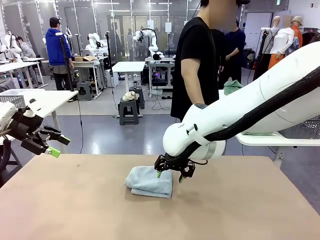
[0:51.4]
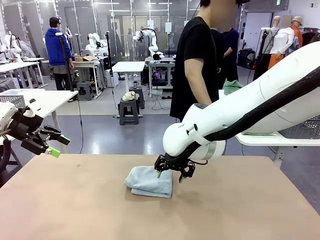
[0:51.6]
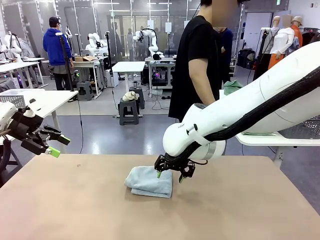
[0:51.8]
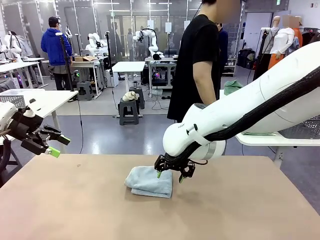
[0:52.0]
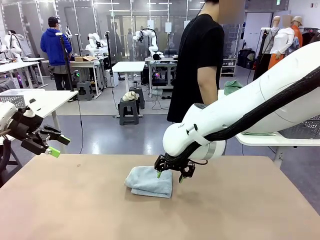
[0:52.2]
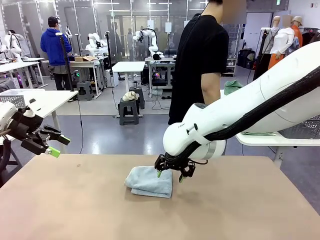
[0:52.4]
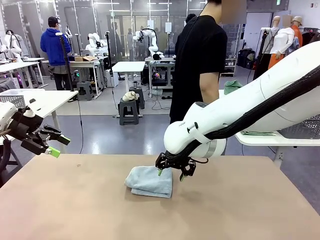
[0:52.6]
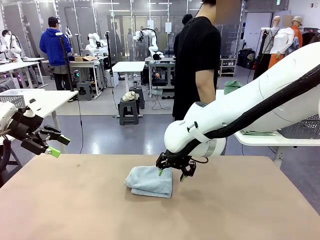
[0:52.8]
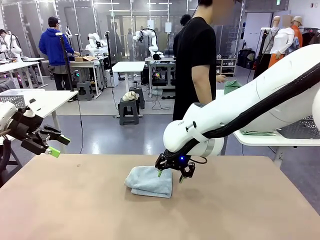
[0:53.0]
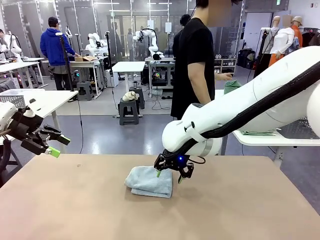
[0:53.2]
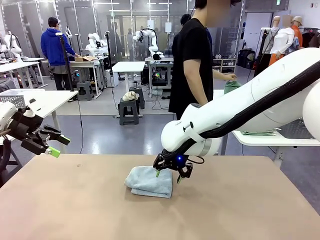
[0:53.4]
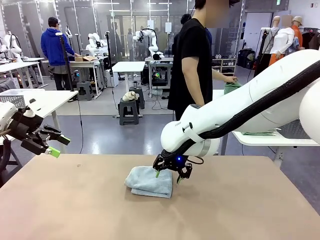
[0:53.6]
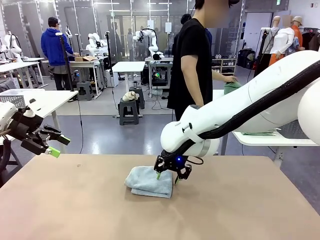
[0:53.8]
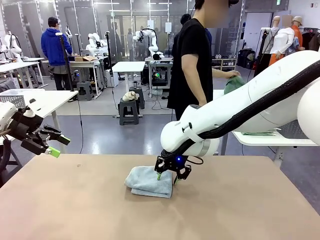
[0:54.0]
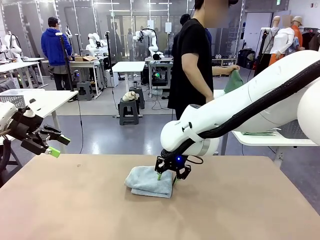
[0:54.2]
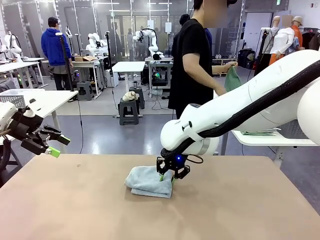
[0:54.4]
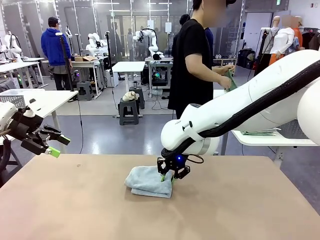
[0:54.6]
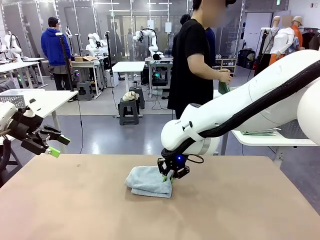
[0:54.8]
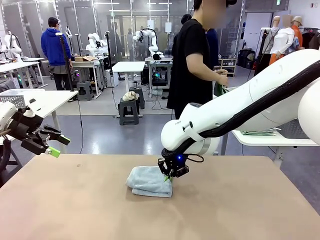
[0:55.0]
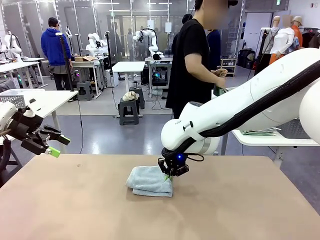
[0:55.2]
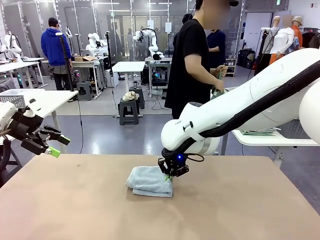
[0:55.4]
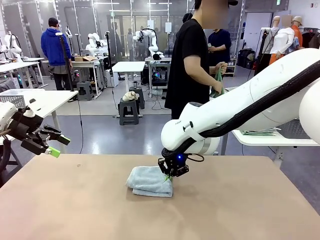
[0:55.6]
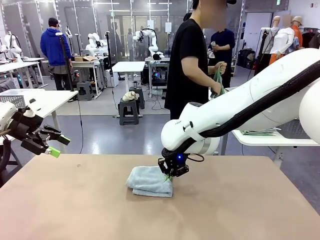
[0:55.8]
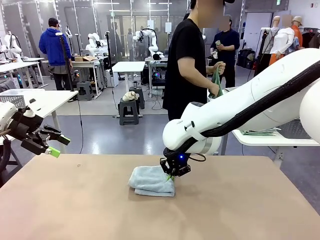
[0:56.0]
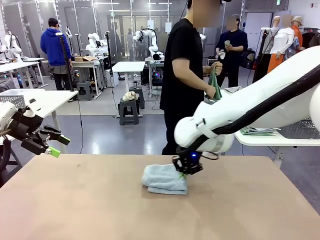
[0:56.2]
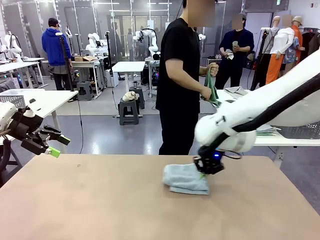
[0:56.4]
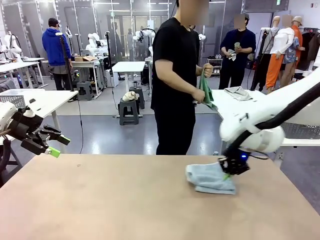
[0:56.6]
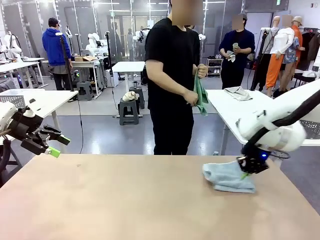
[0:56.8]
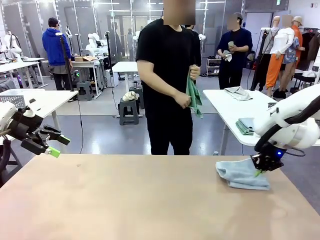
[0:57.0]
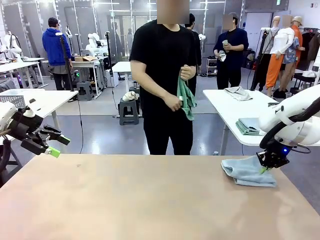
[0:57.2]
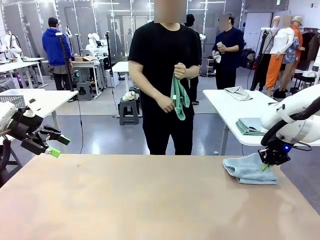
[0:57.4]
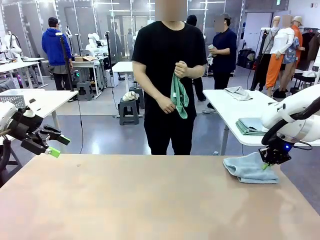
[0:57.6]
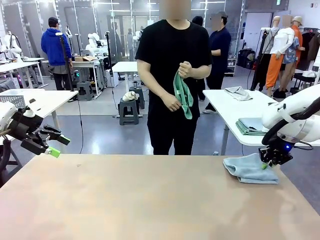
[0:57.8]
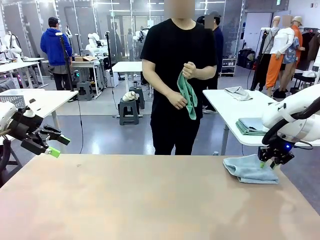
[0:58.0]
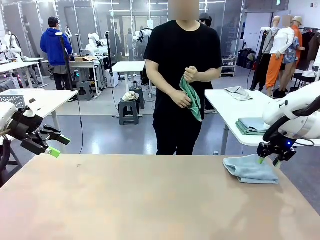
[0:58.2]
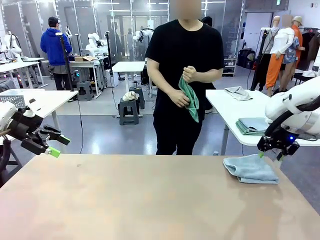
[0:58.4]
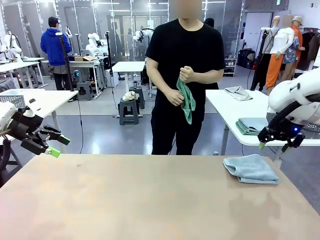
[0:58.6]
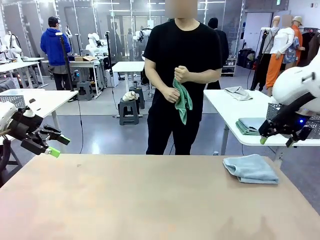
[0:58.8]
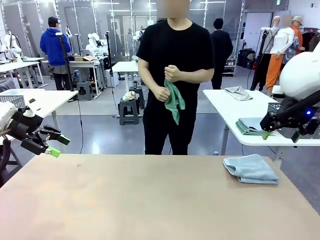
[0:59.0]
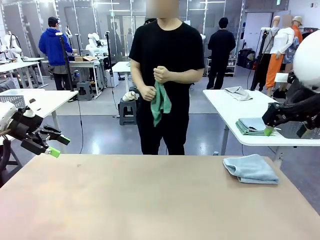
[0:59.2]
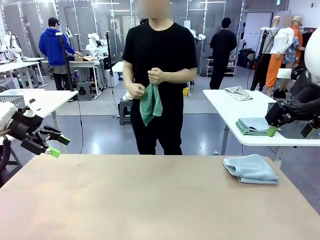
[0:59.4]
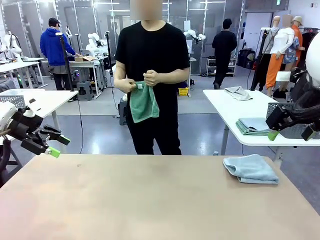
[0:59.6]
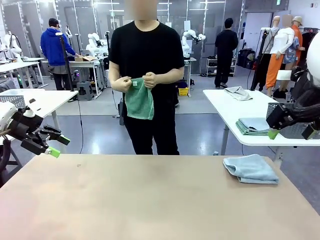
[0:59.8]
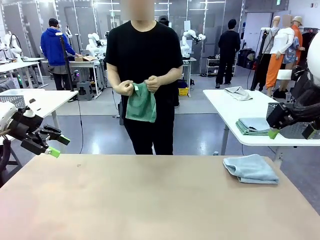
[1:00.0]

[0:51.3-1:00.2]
Task: Fold the towels and place them in the basket.
Robot: Place the folded Towel with hook on the right side of the table.
Person: Pick up one towel from the left side of the human table and spread it out at the center of the robot table.

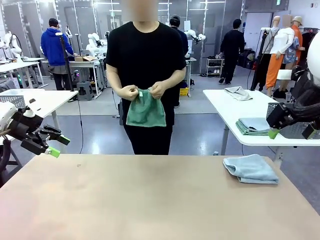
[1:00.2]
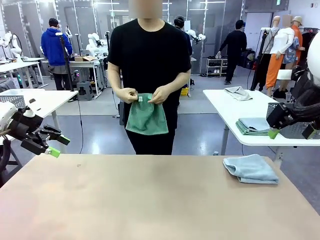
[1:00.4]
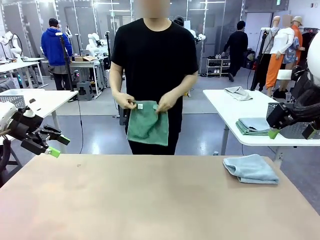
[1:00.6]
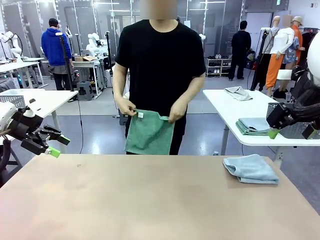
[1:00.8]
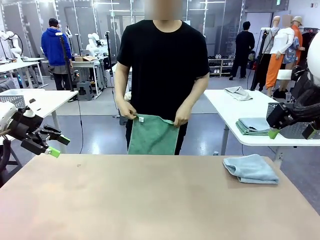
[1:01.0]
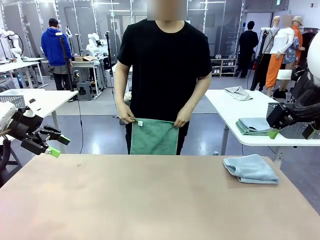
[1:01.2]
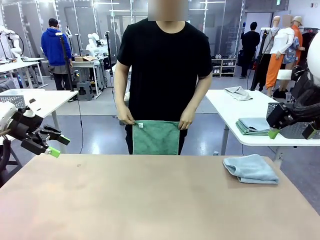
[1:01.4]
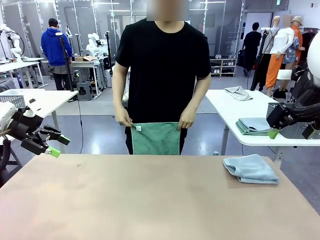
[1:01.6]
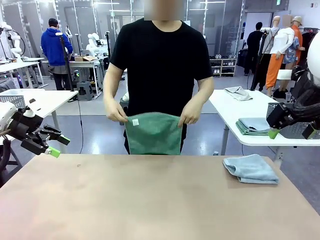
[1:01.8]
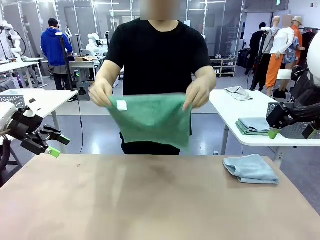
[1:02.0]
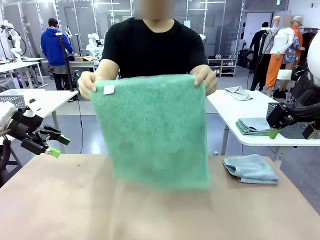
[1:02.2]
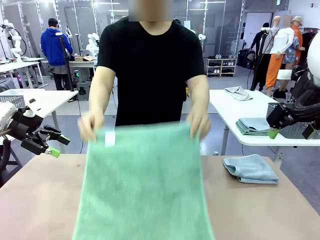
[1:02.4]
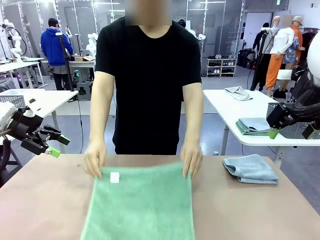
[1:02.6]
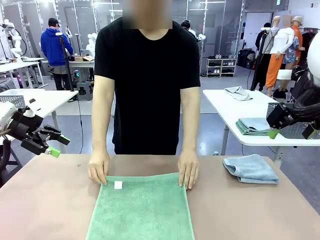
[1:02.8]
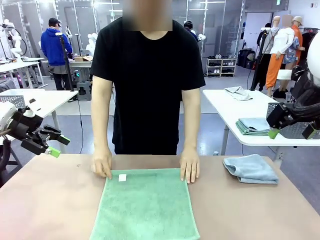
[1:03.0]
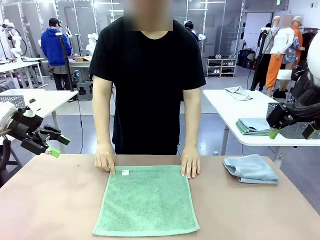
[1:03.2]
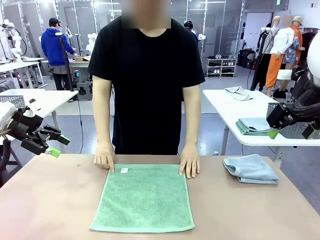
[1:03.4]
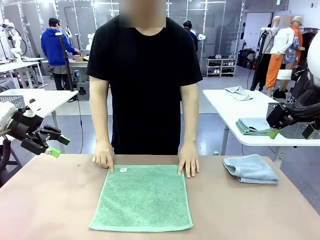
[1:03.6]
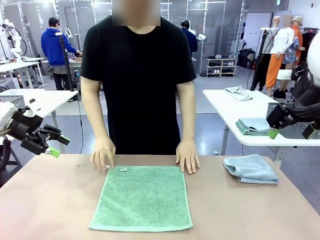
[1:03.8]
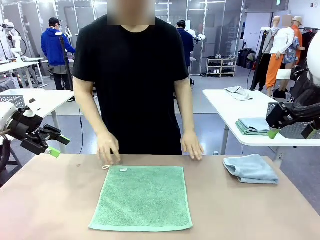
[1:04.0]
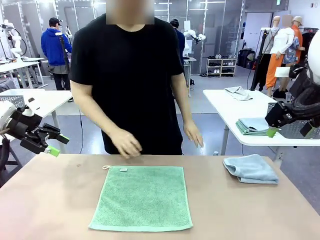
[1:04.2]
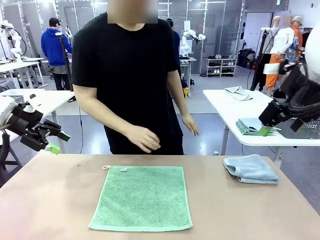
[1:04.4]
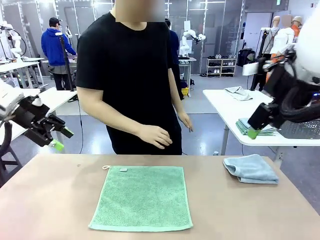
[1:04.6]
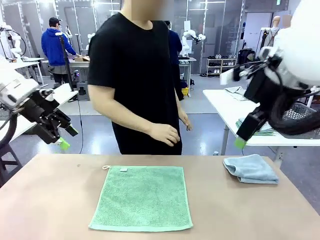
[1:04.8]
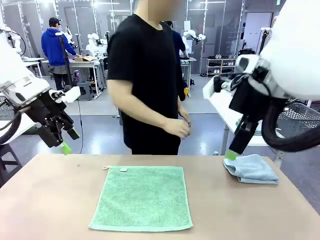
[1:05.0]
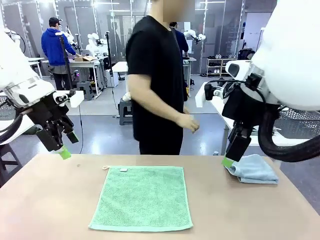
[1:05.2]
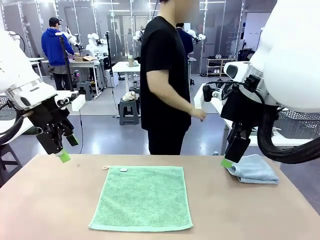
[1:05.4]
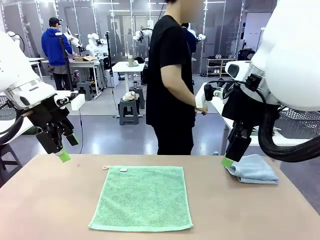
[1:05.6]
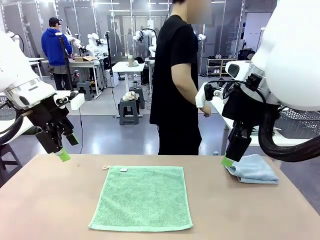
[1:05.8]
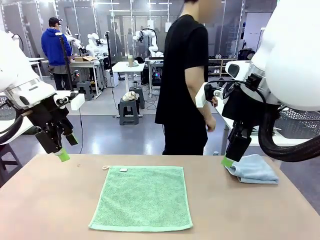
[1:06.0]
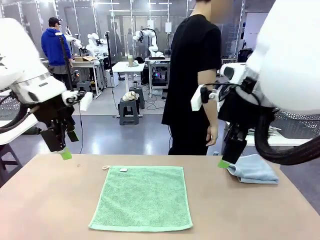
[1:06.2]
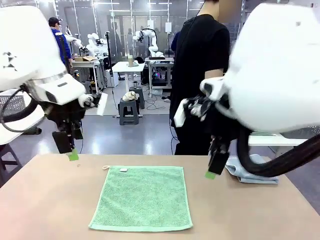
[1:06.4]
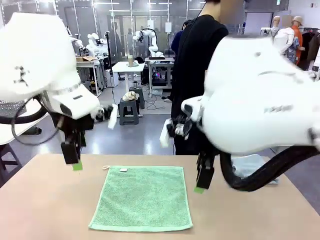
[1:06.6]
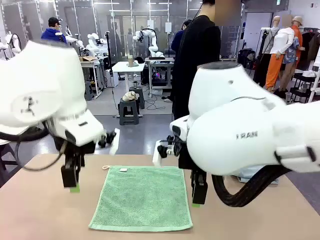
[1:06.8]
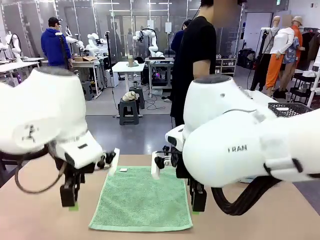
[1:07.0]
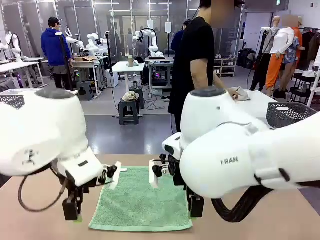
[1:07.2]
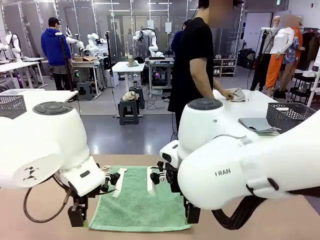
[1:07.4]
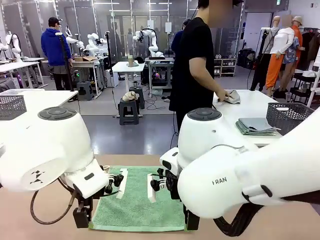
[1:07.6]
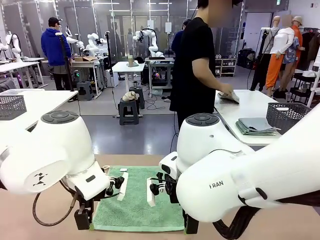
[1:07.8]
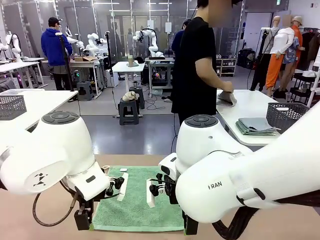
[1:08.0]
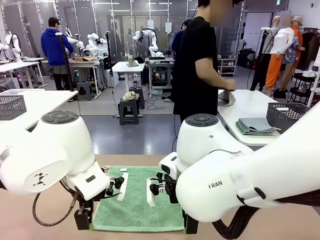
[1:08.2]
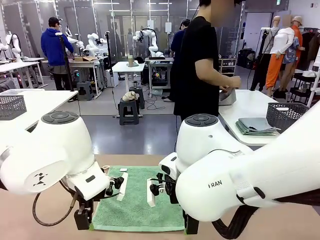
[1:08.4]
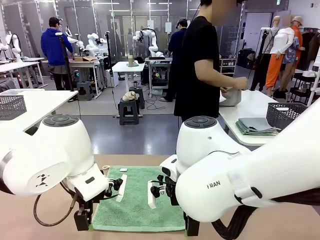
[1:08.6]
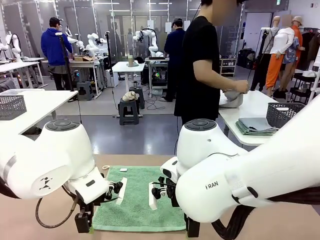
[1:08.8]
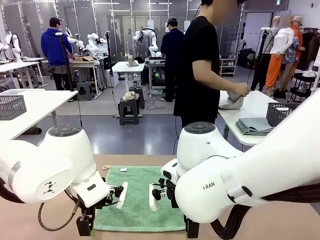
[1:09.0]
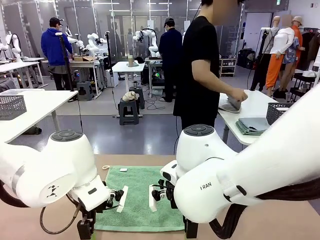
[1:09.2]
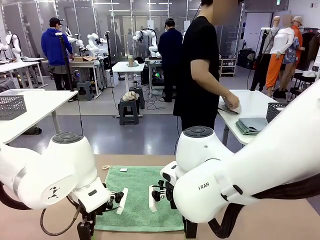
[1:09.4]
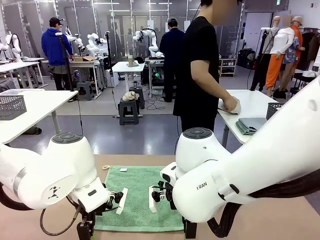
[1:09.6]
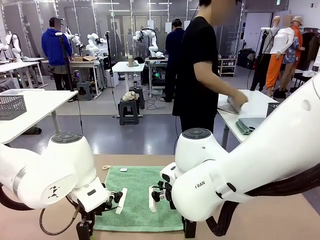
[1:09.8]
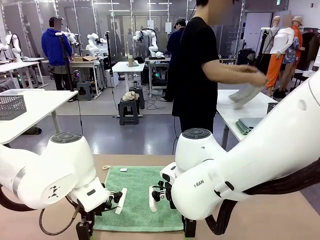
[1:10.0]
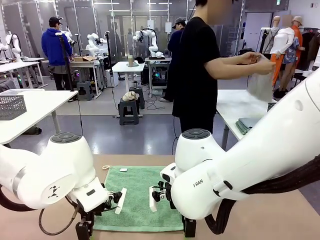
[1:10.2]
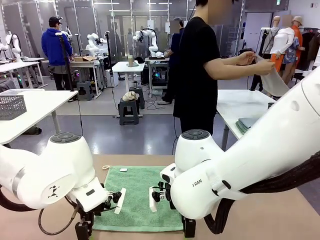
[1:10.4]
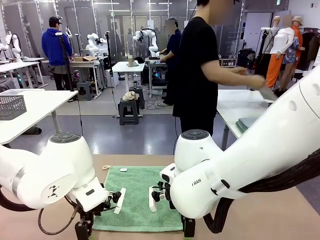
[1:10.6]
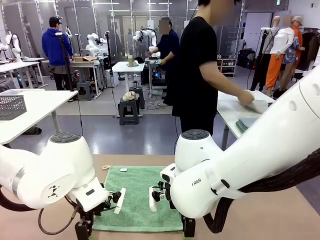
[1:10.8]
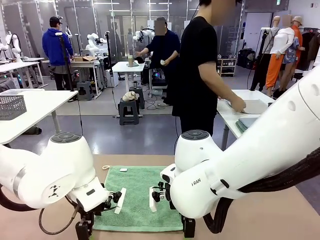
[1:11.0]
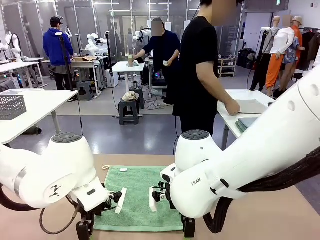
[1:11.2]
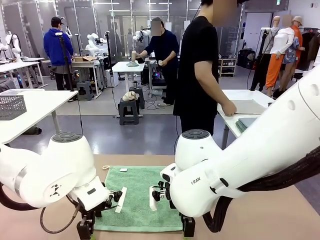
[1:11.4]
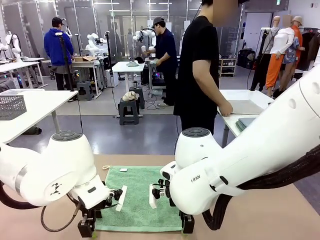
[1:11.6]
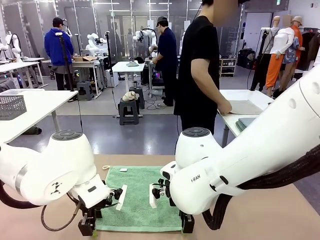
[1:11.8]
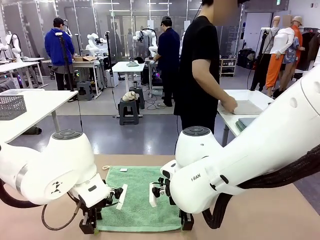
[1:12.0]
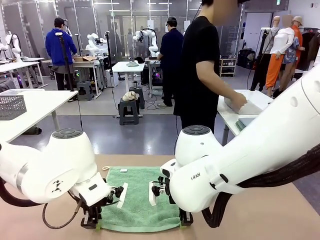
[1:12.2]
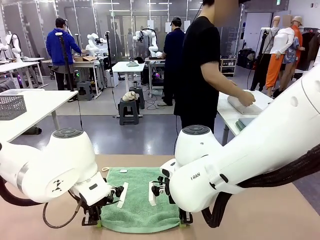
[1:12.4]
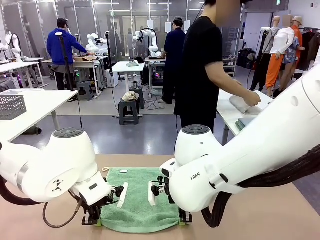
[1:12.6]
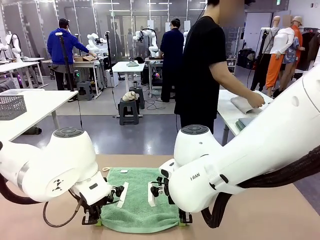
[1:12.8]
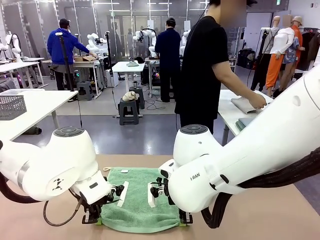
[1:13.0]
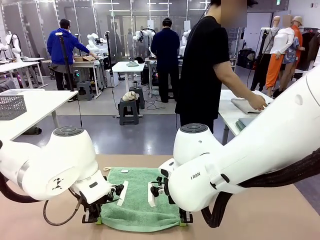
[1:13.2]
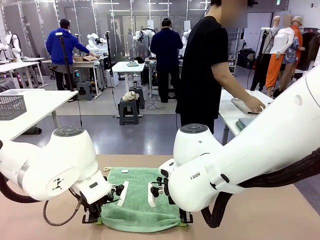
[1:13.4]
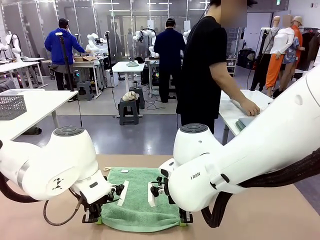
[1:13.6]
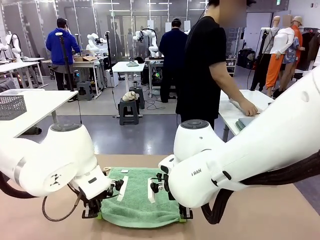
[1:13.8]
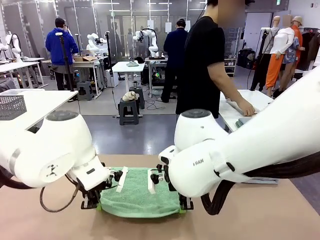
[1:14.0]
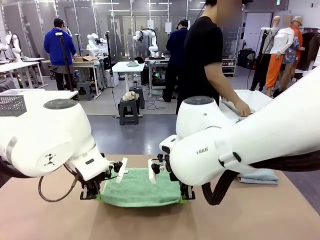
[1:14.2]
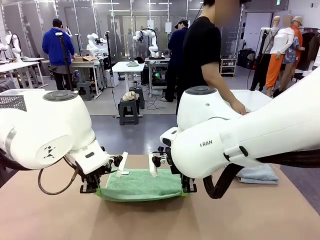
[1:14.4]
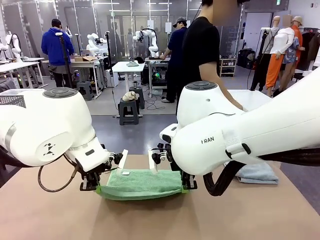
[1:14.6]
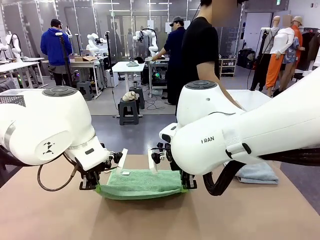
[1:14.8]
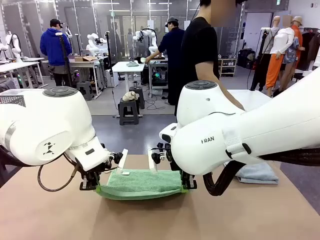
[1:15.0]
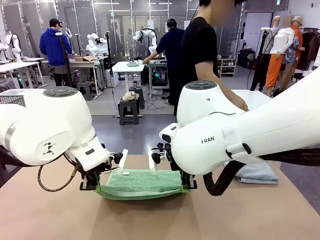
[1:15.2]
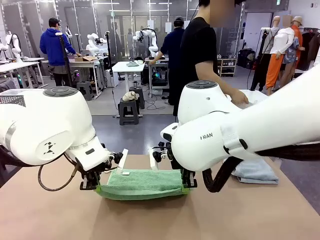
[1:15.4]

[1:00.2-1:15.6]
Robot: When a person lays out a Towel with hook on the table, fold it in half twice.
Person: Pick up one towel from the left side of the human table, fold it in half twice, and stack it on the right side of the table.
